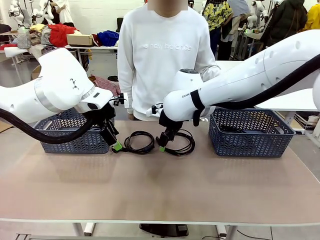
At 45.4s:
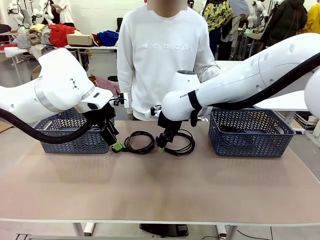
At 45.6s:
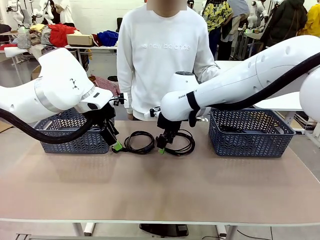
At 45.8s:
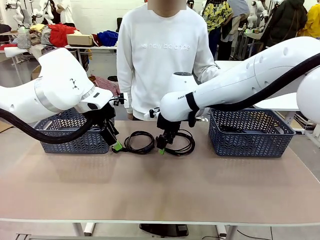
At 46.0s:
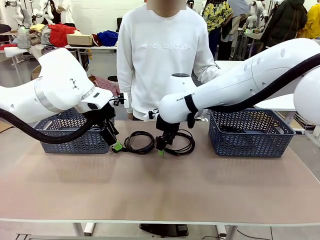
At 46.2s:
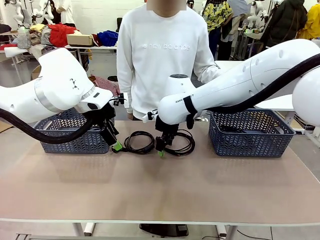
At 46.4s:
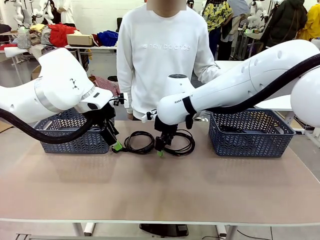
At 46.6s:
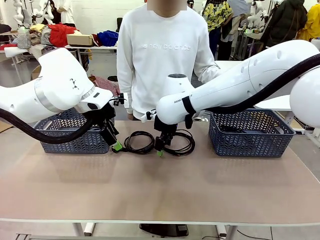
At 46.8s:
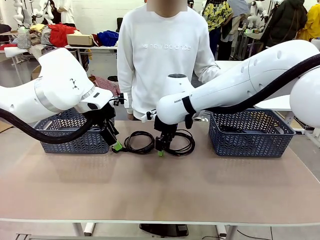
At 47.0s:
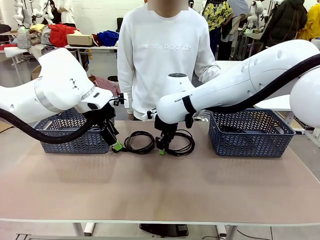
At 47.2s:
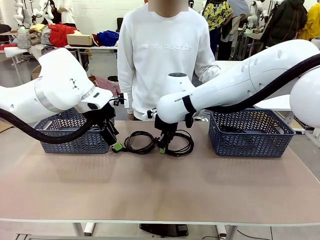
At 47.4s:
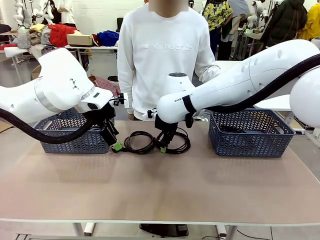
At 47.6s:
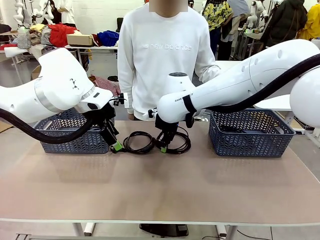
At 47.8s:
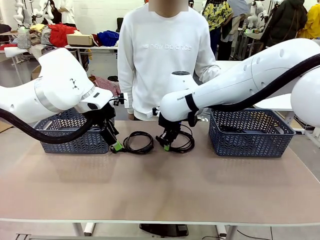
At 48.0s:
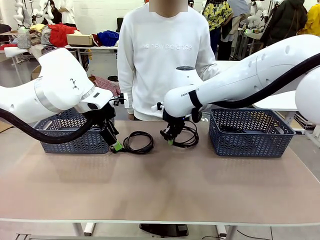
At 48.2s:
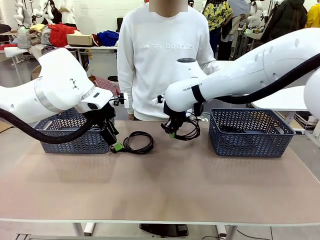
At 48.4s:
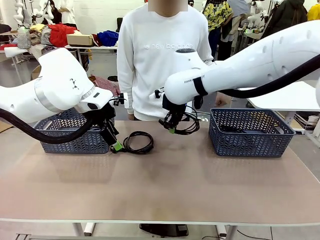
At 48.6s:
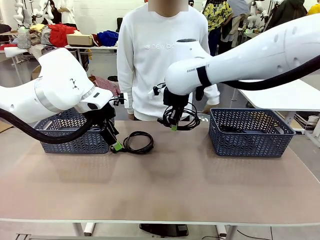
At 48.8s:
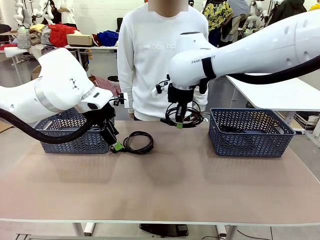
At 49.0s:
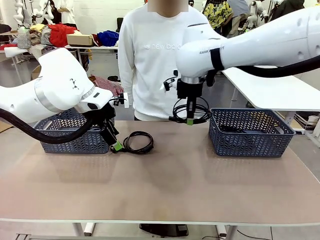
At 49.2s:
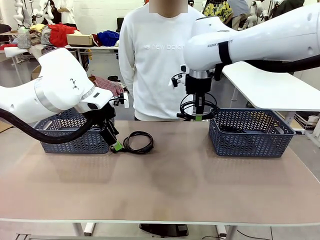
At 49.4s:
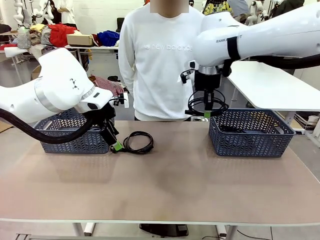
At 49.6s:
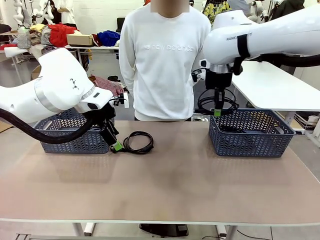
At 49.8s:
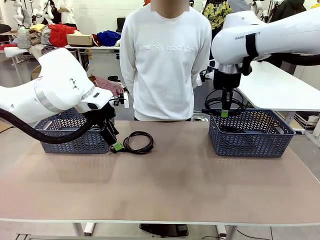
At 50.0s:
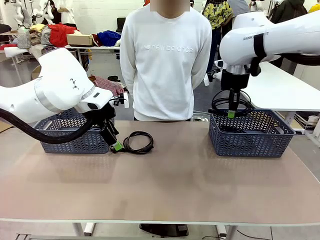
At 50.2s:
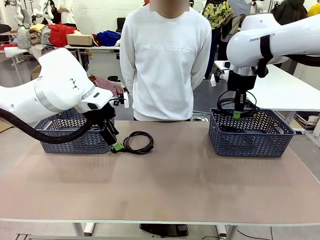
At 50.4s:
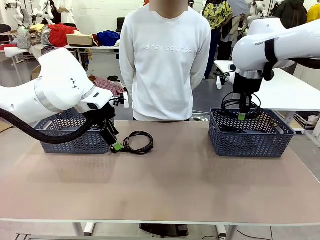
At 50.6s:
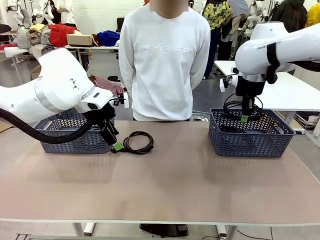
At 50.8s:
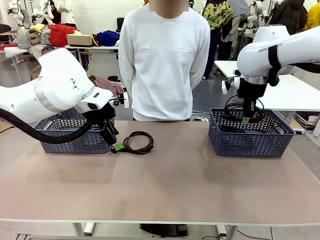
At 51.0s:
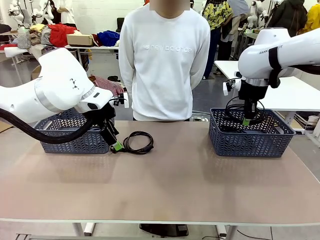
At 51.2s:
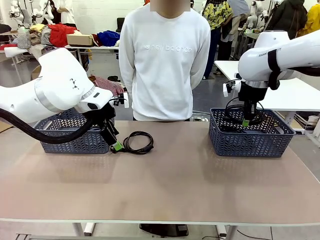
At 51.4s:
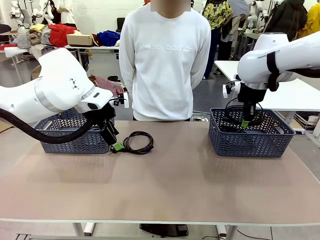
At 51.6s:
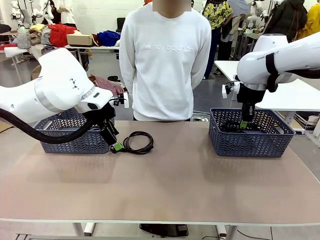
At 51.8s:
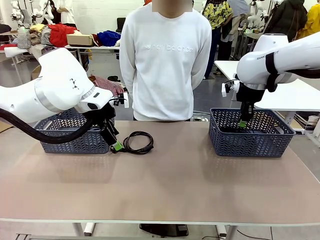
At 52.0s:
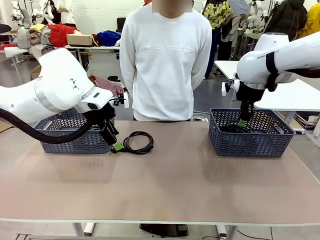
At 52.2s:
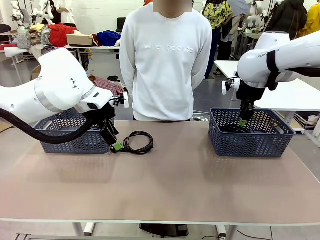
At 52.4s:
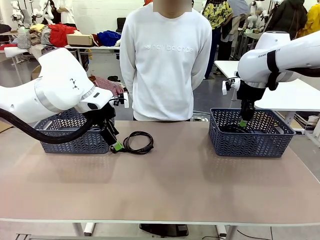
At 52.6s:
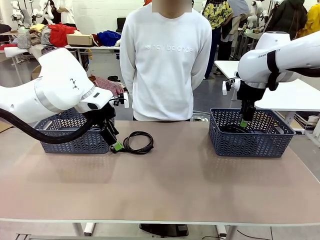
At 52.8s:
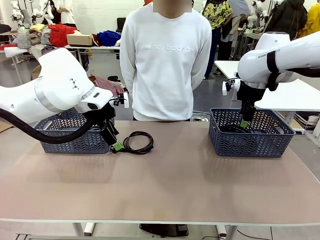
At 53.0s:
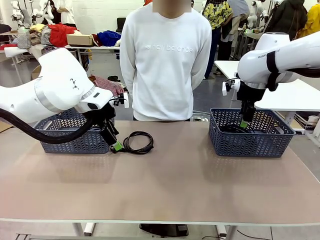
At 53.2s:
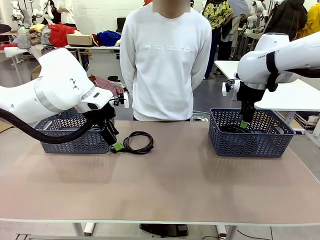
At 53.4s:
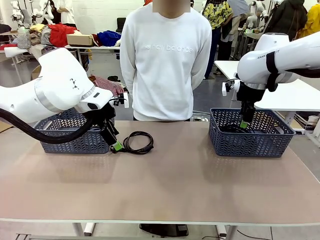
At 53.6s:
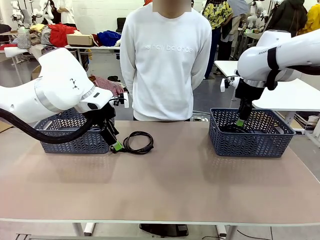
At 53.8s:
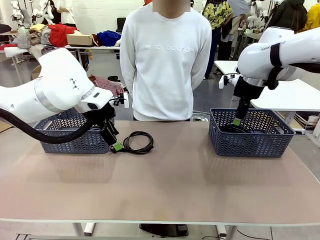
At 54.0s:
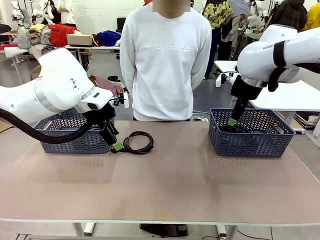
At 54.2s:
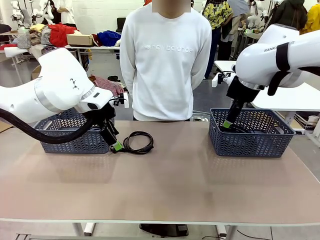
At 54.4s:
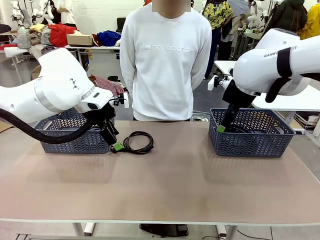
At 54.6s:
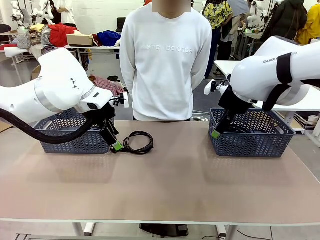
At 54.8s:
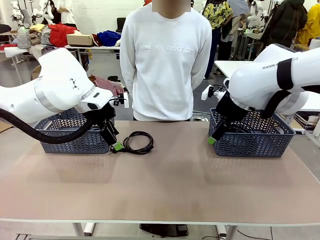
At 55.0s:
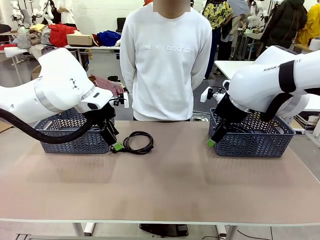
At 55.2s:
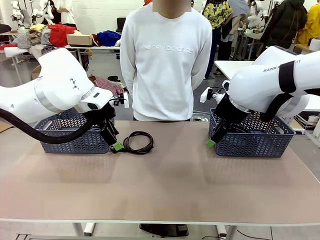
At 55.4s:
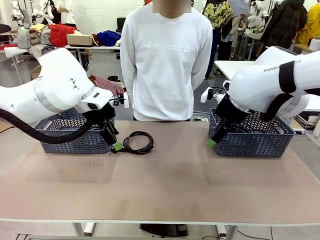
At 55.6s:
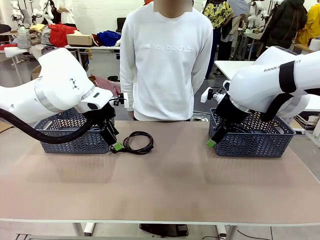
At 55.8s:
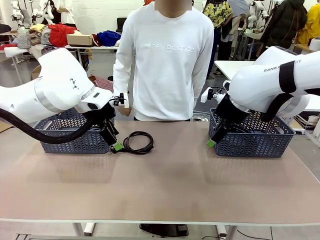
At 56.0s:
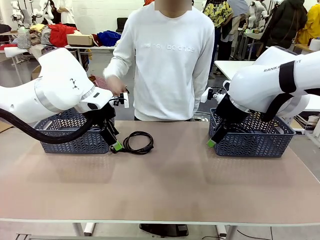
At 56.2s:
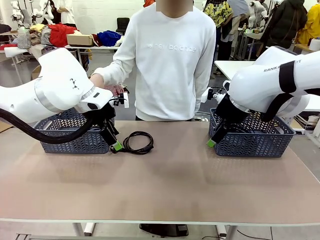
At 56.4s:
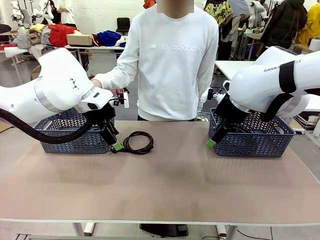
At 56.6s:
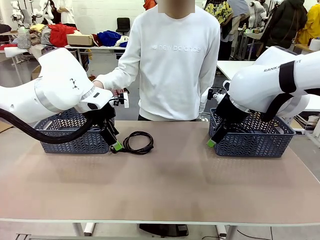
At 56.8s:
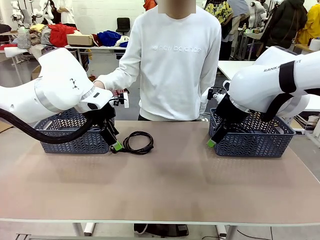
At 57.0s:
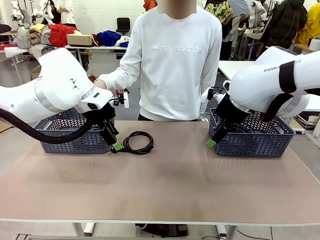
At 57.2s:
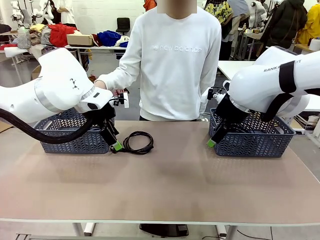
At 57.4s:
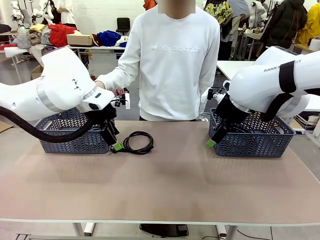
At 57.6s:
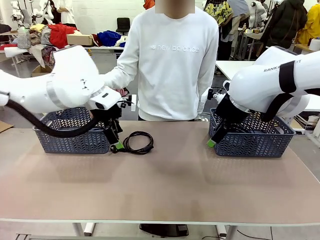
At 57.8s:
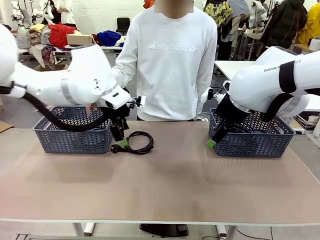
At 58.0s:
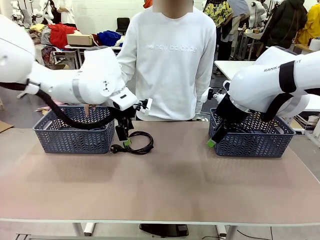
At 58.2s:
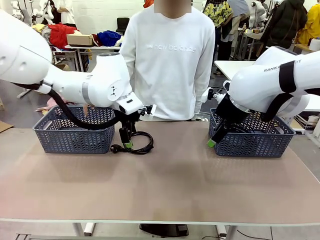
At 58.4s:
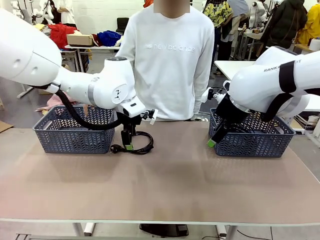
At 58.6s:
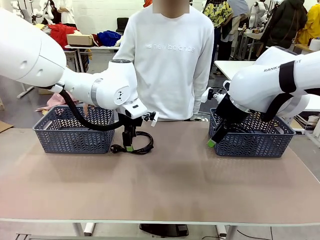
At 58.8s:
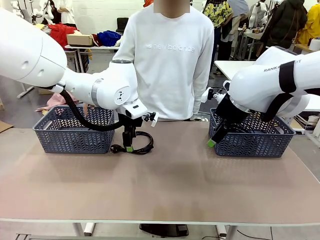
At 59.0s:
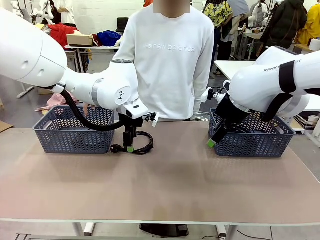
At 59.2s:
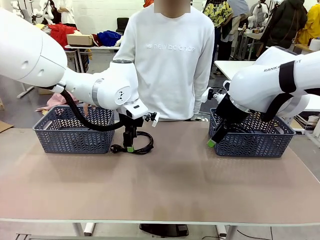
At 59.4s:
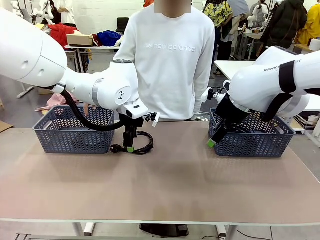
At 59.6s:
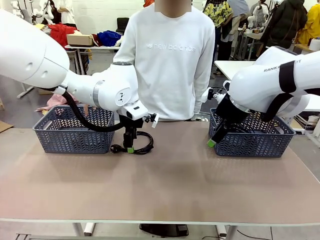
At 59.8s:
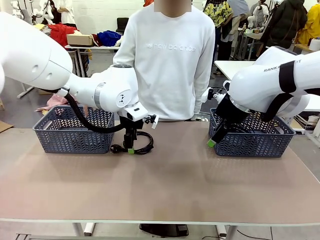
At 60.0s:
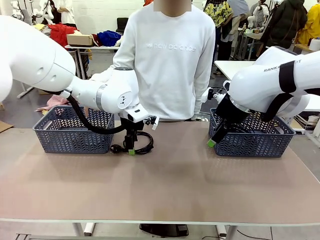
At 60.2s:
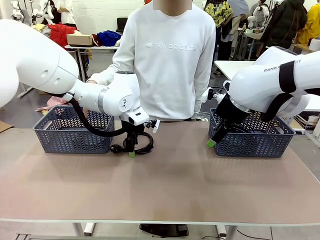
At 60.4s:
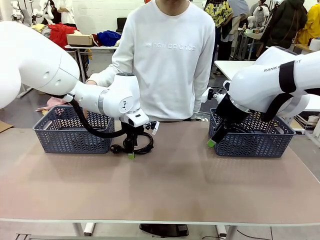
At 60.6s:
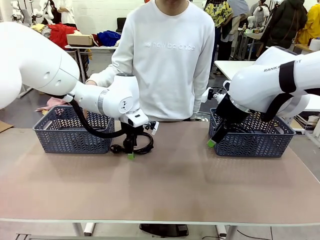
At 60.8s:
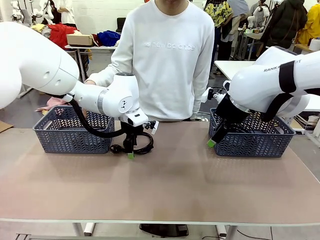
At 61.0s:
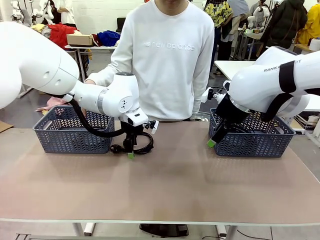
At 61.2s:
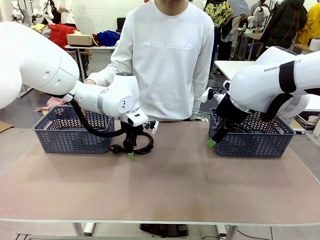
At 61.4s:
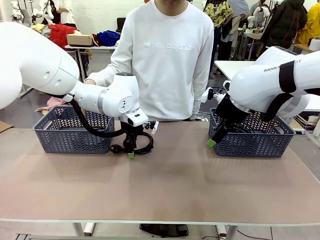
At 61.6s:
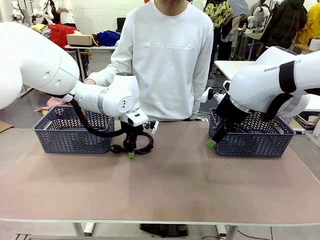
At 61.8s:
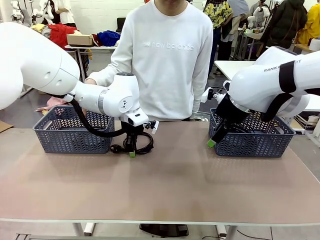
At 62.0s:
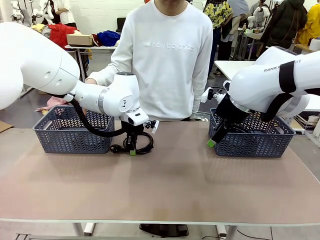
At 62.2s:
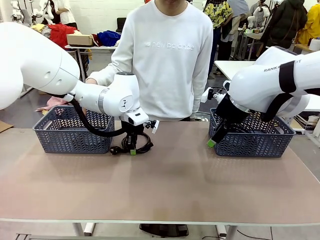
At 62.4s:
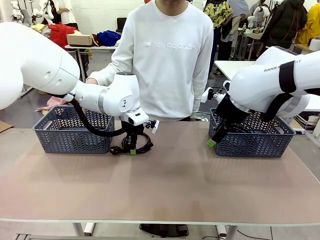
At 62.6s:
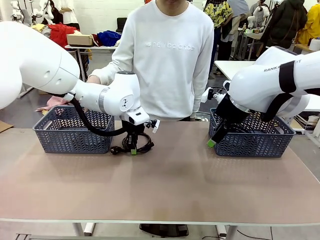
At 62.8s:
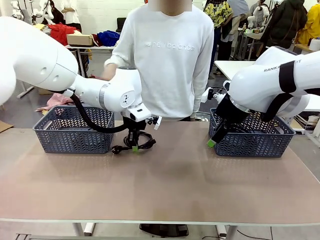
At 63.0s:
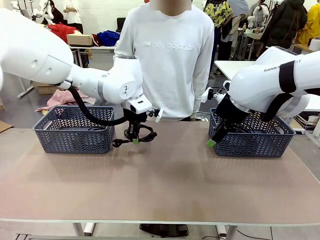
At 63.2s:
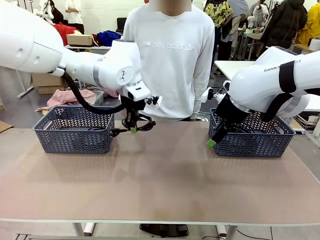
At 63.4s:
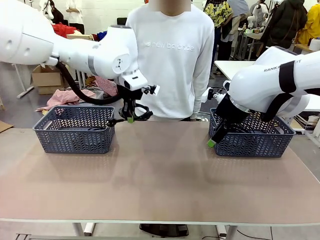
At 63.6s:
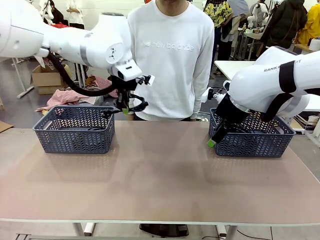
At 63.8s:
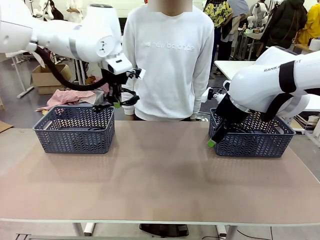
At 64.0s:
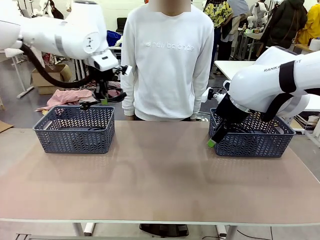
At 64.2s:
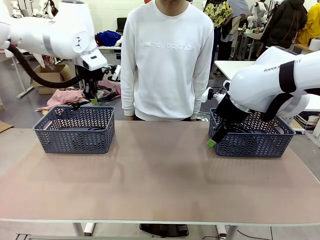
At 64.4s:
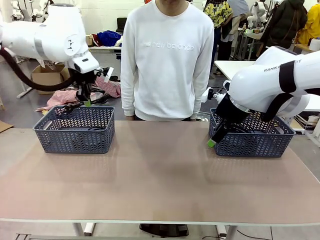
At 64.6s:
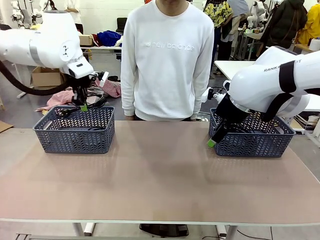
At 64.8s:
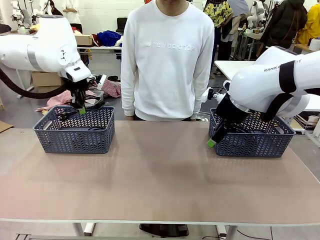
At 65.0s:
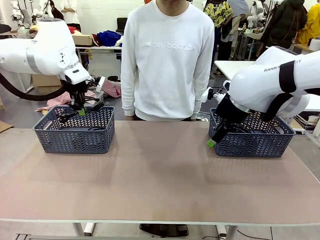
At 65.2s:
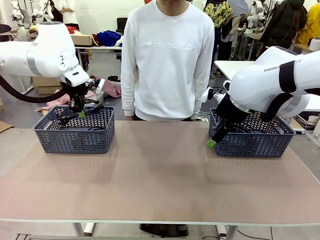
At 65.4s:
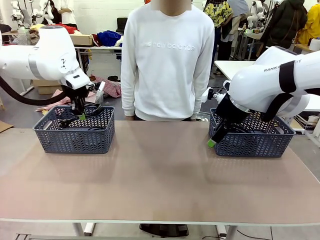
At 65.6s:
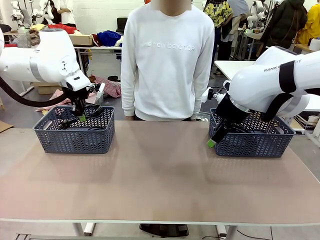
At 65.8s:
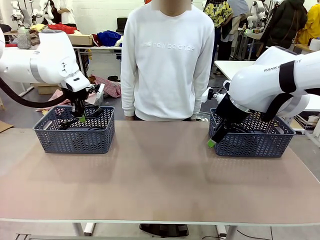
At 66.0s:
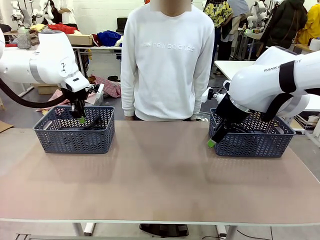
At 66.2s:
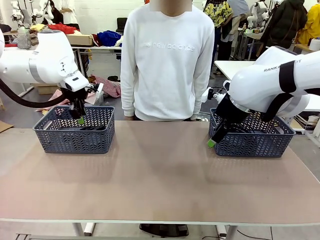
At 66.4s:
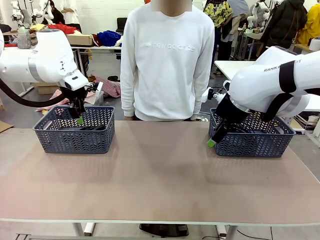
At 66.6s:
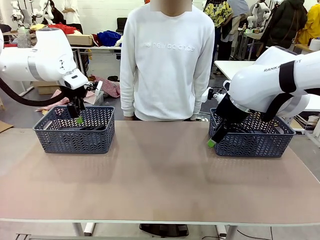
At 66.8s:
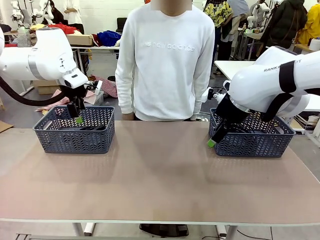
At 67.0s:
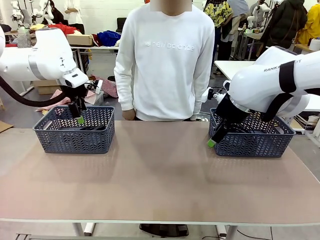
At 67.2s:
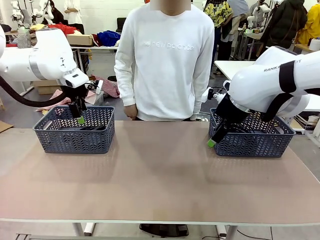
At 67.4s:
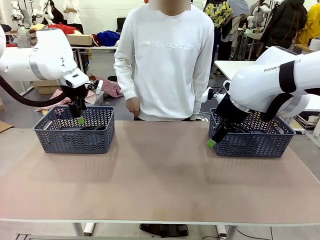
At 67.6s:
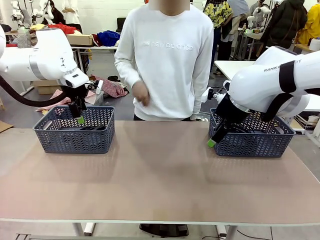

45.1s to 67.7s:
Task: Organize the cables according to human instructions.
Robot: Pick up a bundle of cables and place it in the basket indicated by the human.
